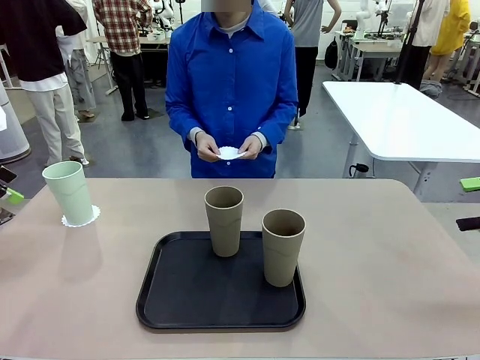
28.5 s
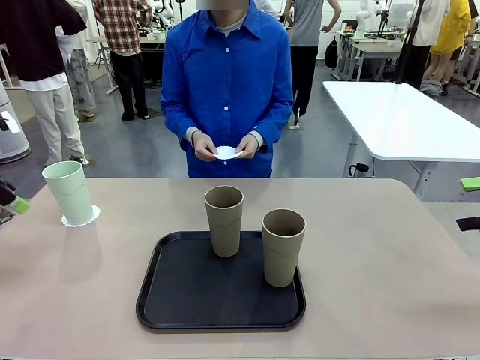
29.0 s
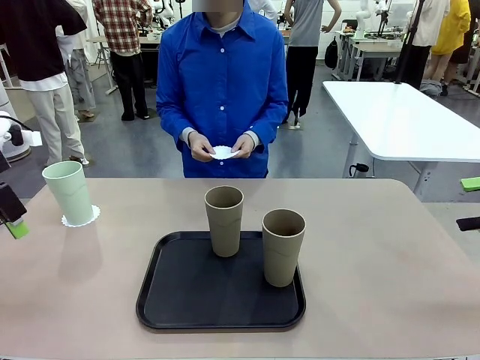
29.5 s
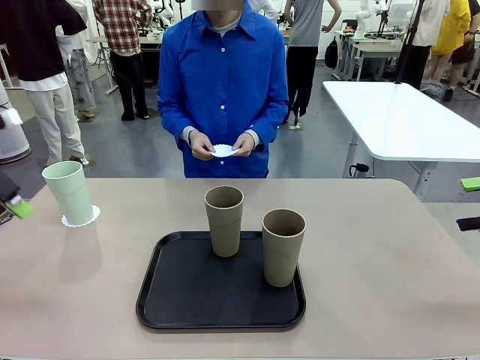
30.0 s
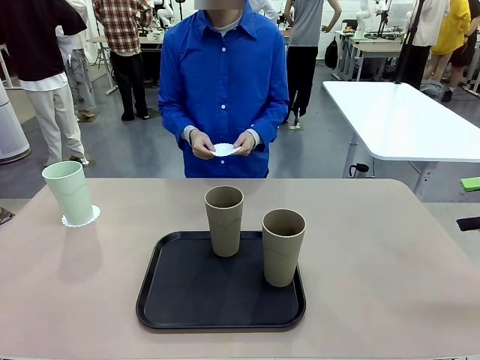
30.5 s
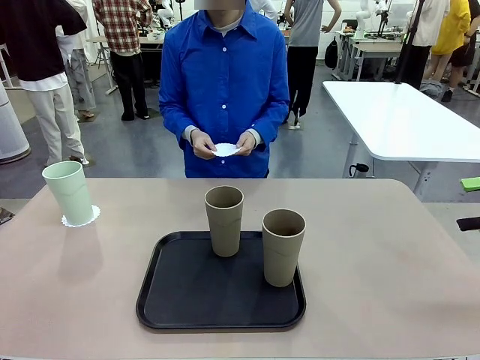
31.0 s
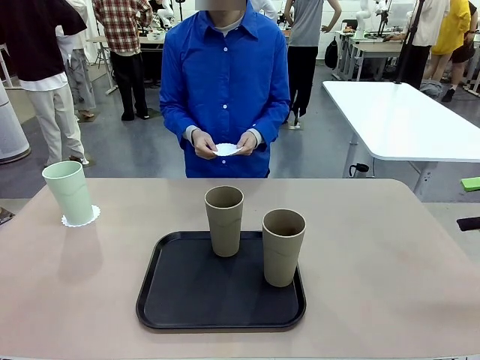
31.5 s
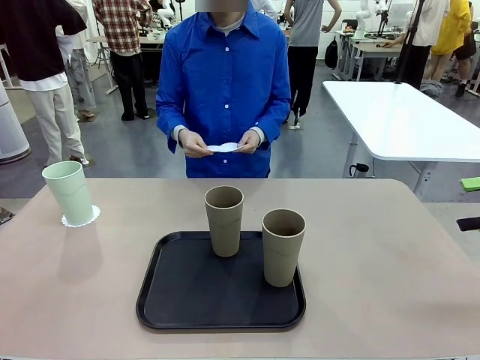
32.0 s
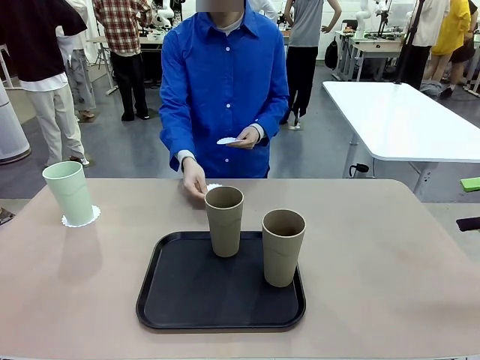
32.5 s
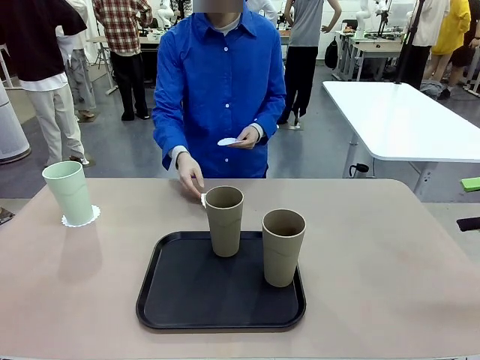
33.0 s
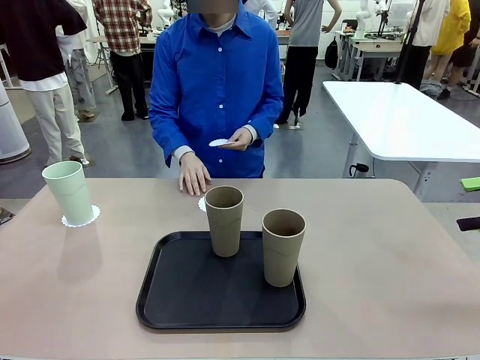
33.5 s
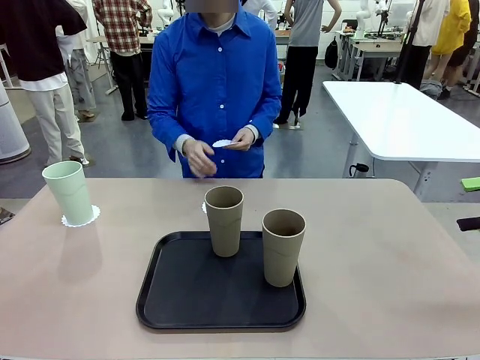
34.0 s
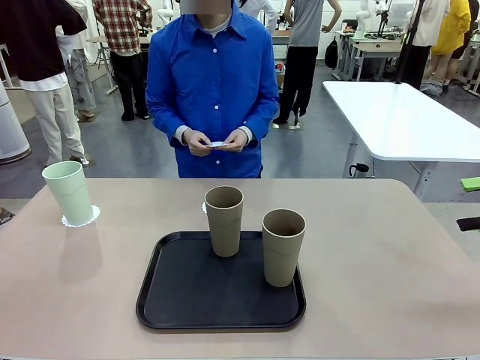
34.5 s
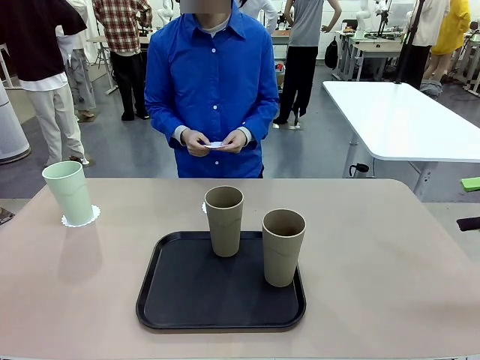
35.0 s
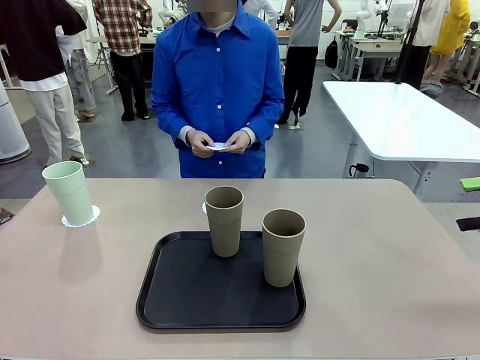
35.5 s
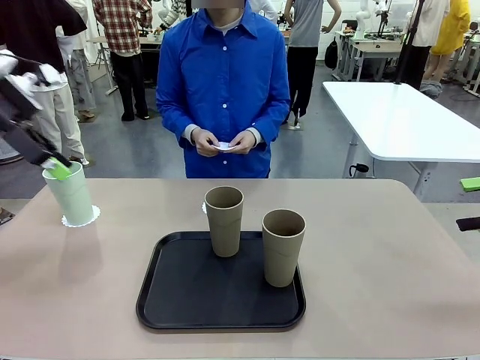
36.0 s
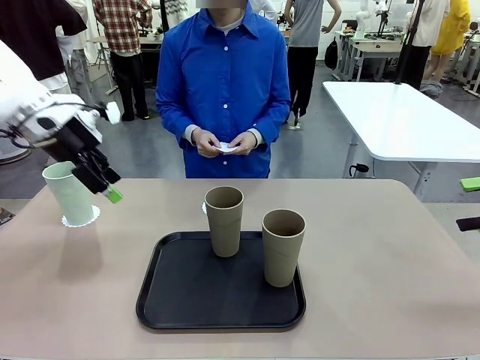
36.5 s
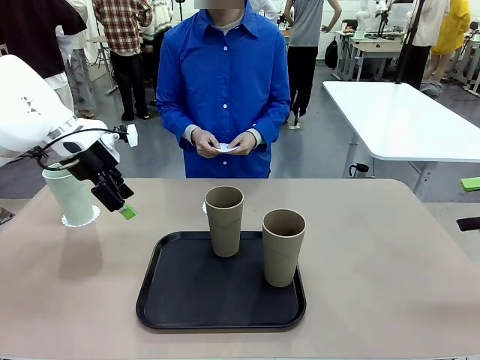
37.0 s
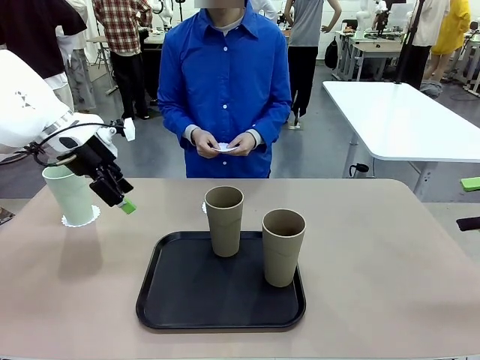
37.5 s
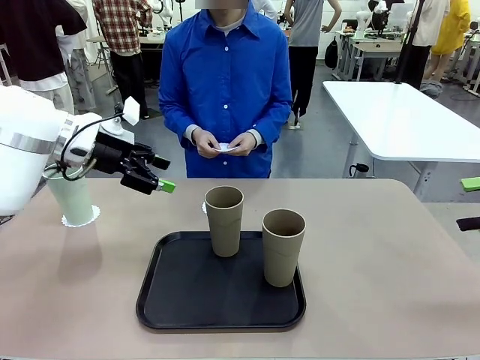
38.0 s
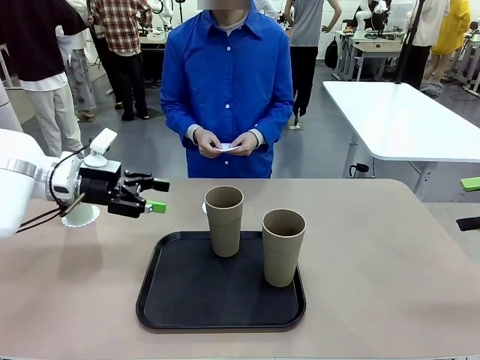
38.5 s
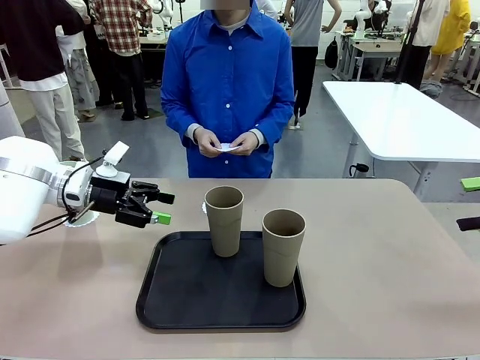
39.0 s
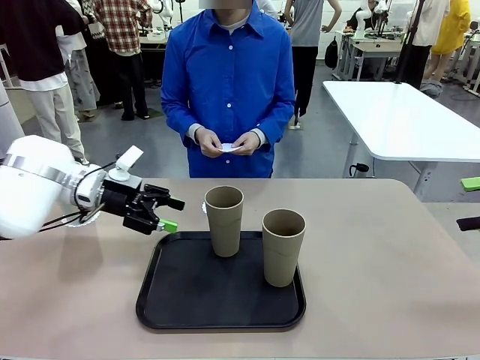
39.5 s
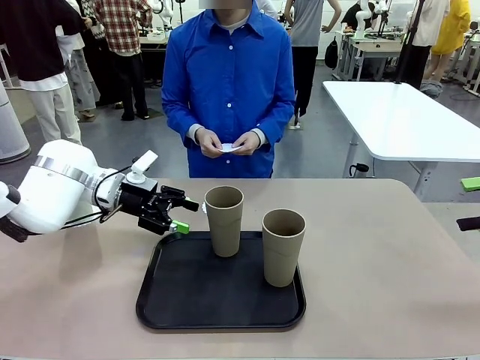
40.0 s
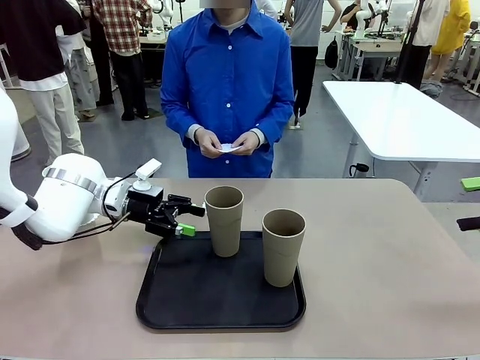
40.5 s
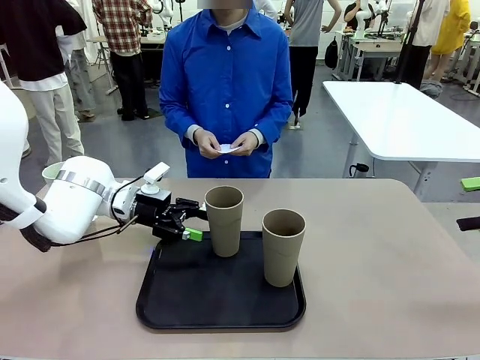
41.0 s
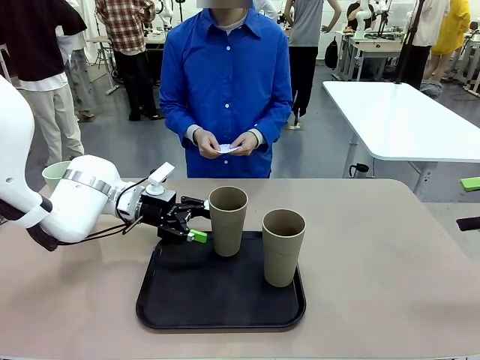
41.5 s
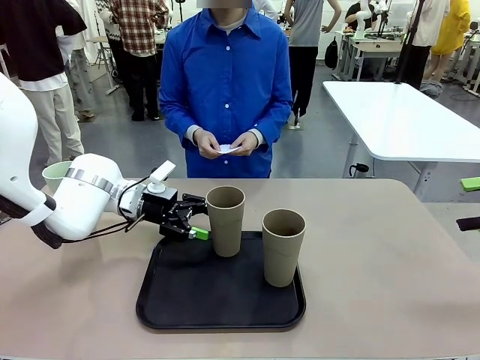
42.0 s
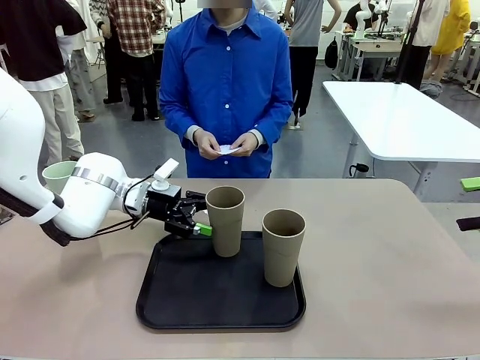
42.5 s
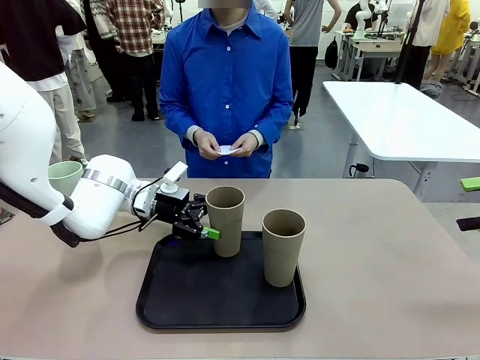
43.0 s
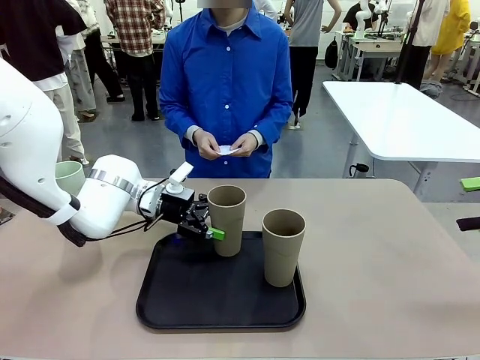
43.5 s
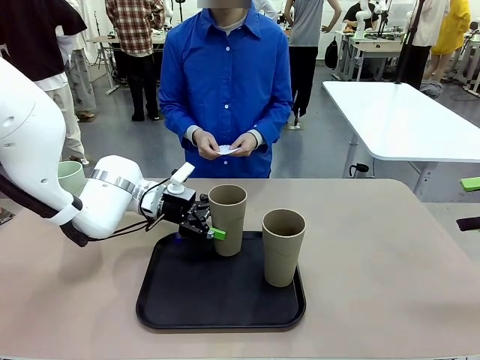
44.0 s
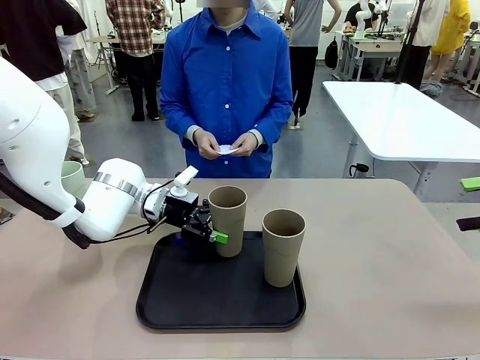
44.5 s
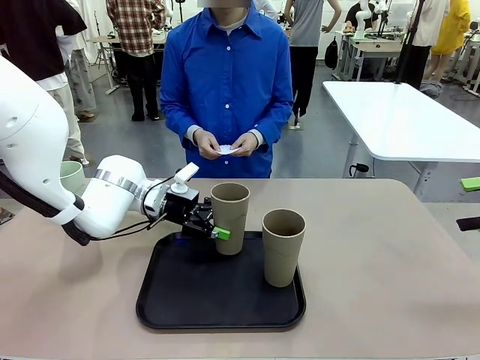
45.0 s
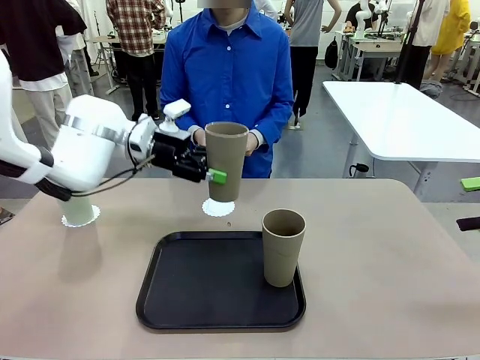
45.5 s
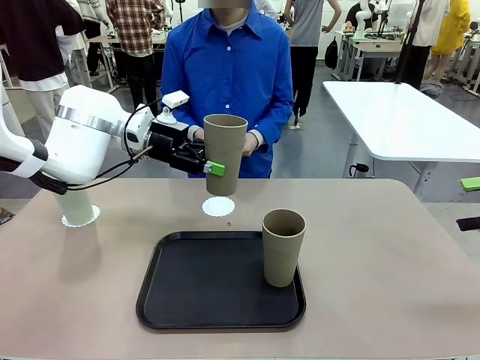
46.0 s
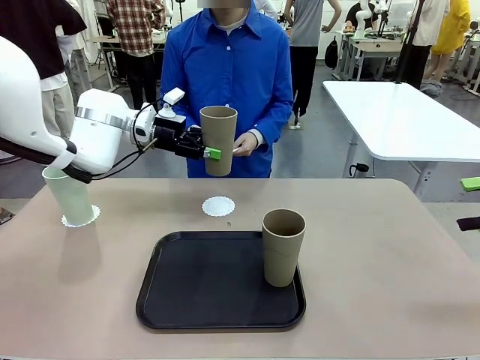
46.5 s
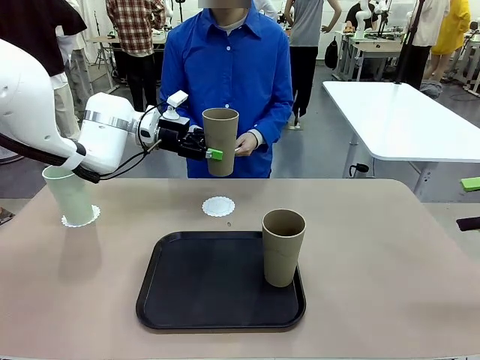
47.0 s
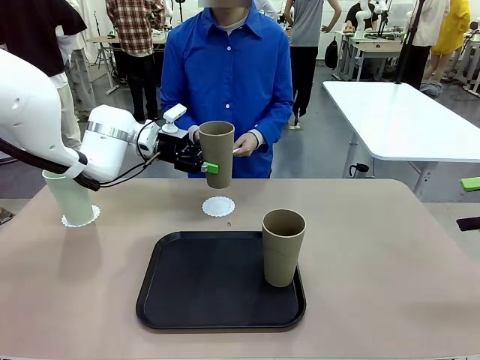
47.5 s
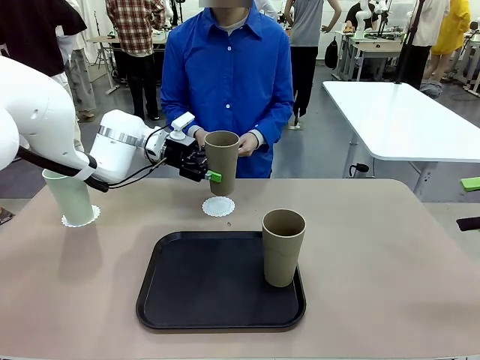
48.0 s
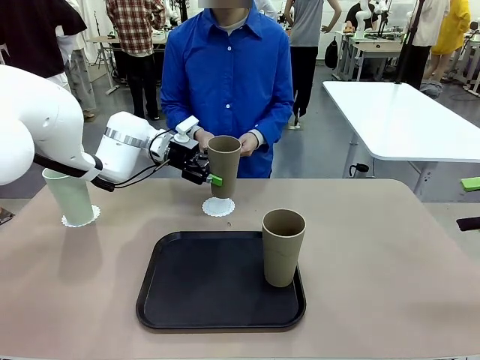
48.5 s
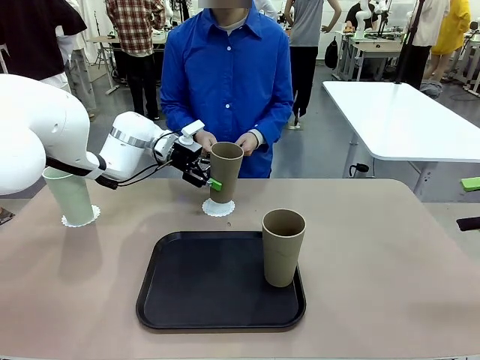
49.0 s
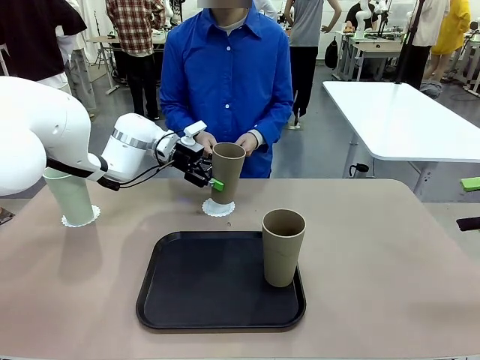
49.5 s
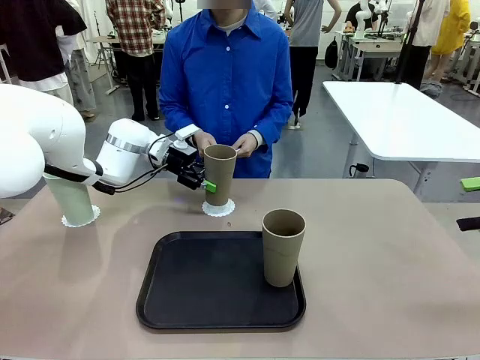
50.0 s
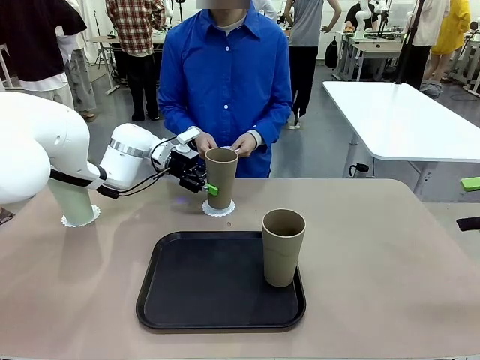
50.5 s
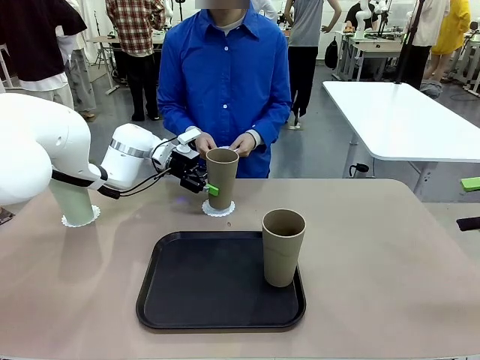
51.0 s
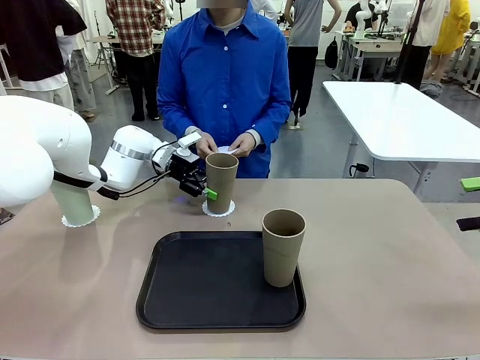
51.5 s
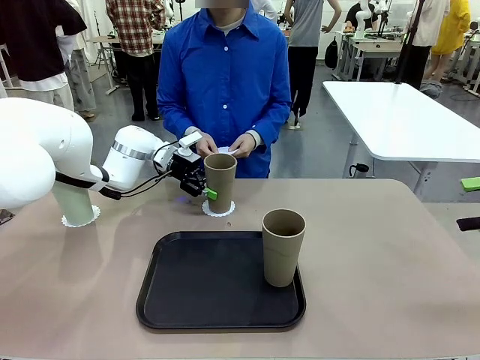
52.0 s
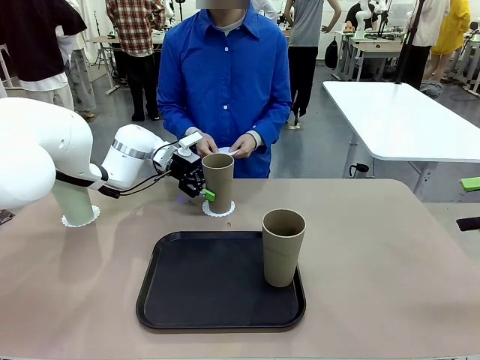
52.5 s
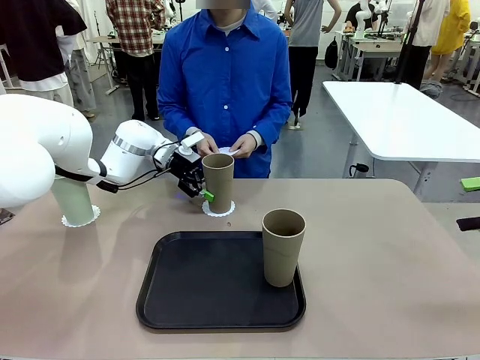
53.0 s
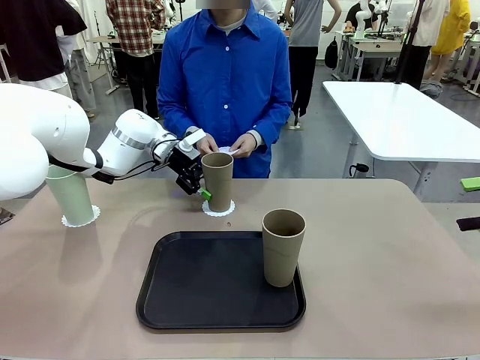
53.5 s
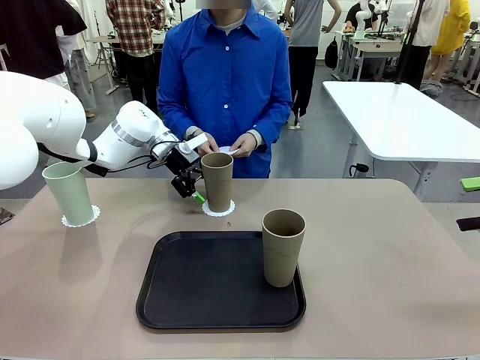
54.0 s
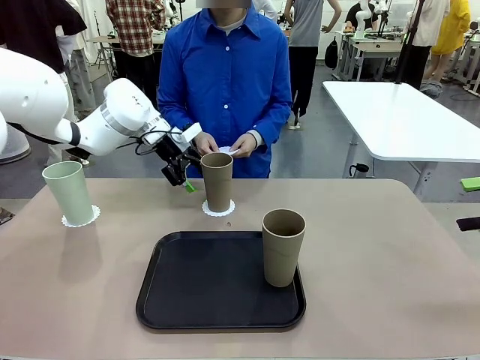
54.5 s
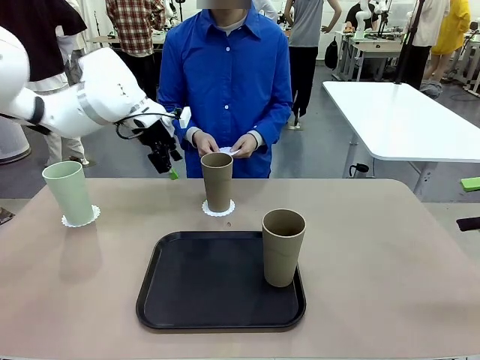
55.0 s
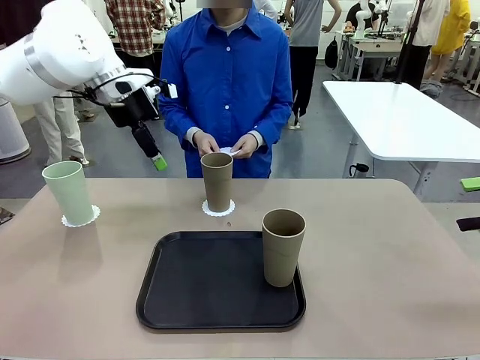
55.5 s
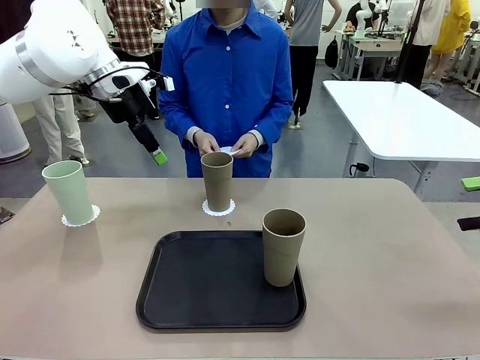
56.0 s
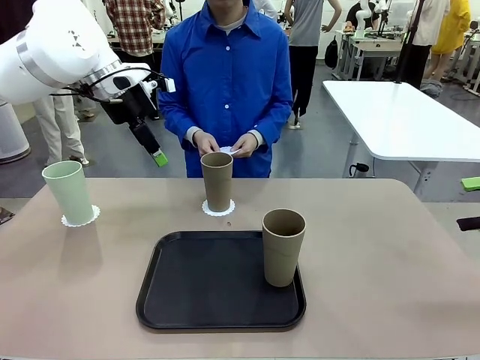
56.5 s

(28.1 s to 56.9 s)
Task: Place coasters on the table and set cups on them.
Robot: Take one Reusable plastic cup from the Flat Tray and place it on a coaster set by the human.
